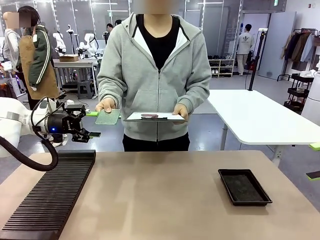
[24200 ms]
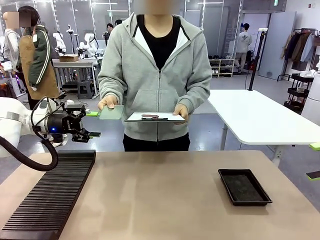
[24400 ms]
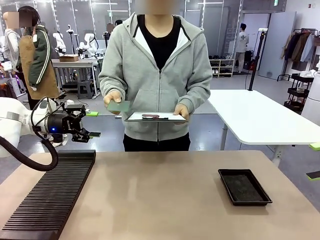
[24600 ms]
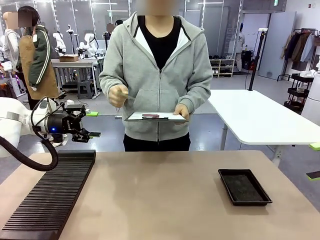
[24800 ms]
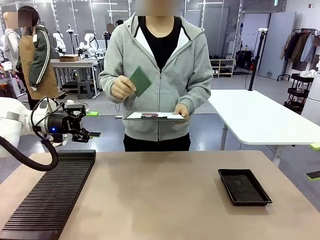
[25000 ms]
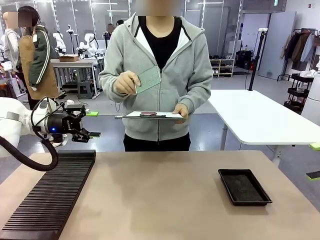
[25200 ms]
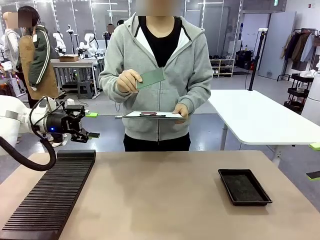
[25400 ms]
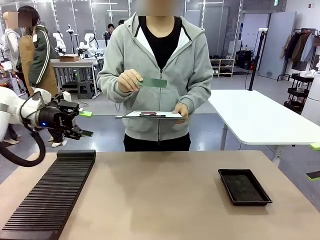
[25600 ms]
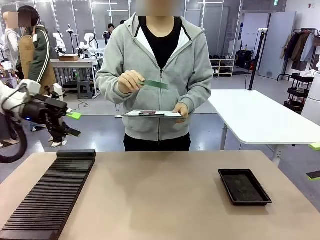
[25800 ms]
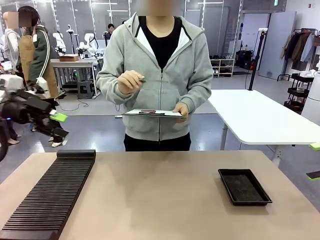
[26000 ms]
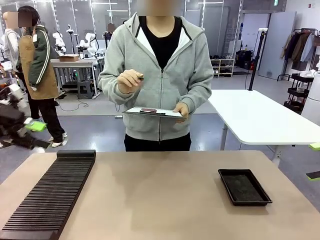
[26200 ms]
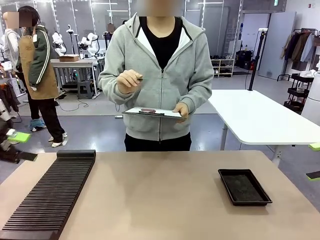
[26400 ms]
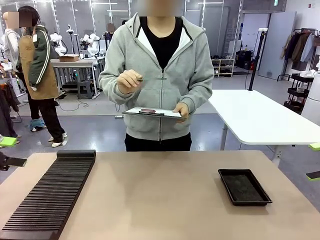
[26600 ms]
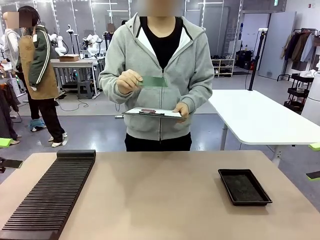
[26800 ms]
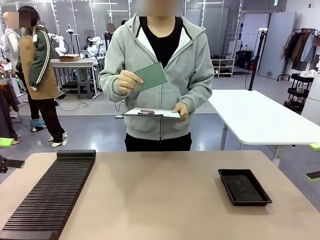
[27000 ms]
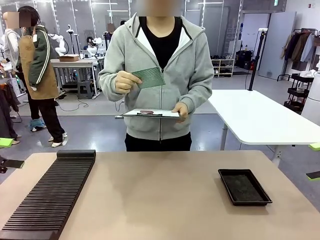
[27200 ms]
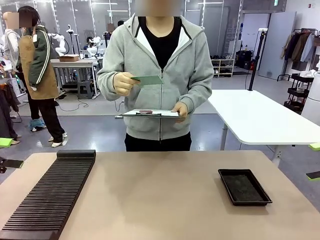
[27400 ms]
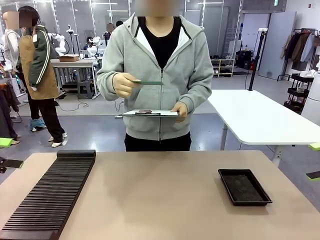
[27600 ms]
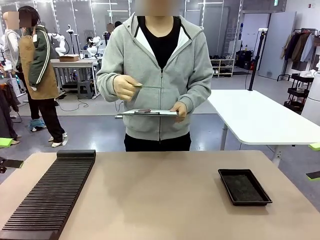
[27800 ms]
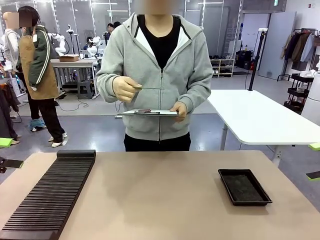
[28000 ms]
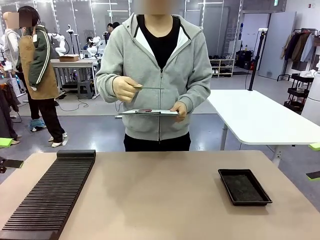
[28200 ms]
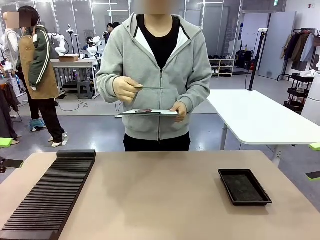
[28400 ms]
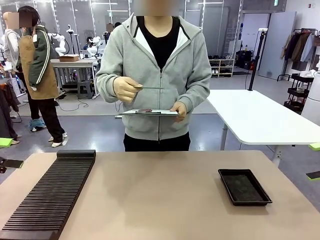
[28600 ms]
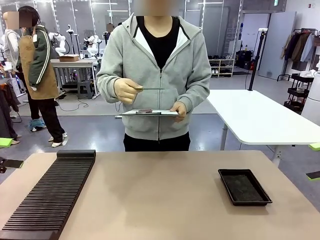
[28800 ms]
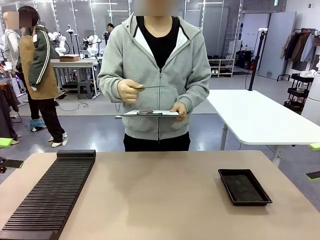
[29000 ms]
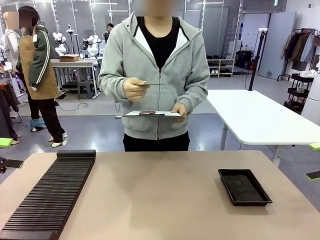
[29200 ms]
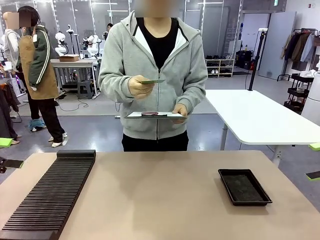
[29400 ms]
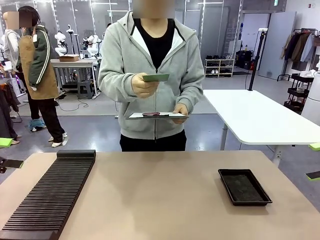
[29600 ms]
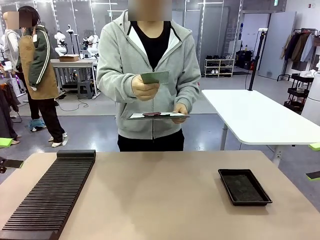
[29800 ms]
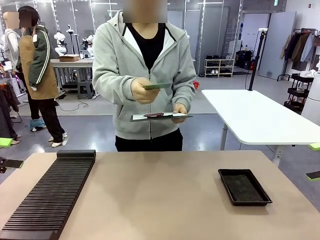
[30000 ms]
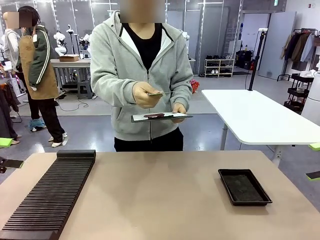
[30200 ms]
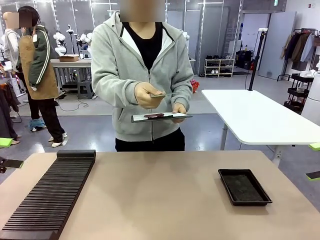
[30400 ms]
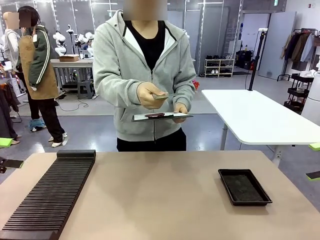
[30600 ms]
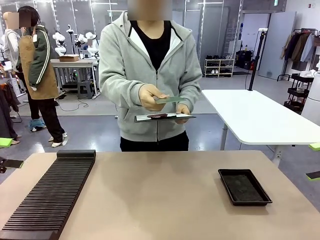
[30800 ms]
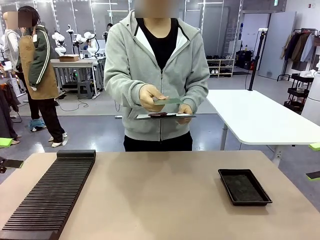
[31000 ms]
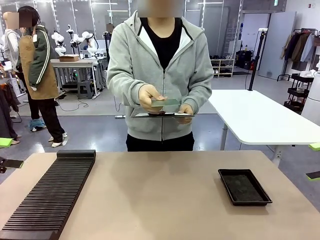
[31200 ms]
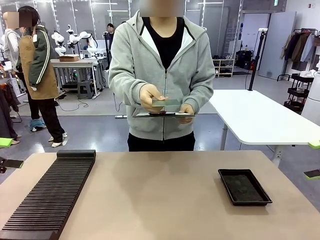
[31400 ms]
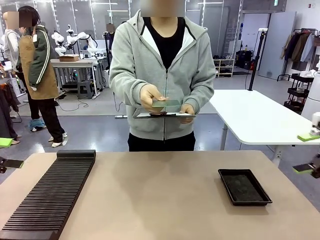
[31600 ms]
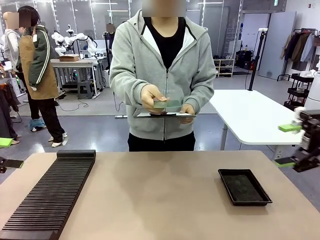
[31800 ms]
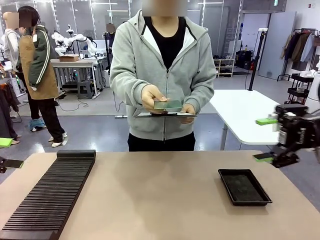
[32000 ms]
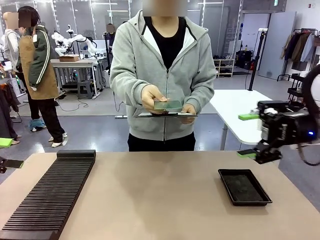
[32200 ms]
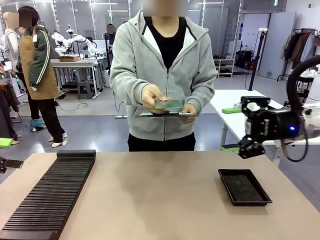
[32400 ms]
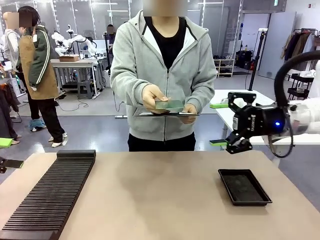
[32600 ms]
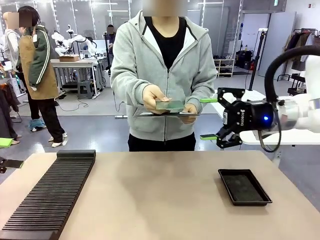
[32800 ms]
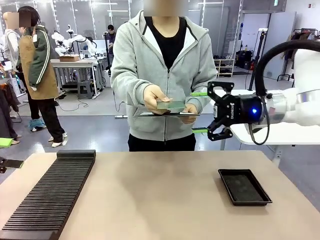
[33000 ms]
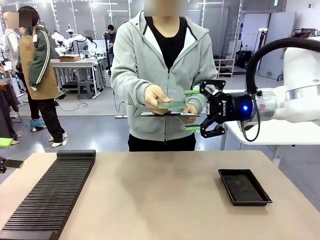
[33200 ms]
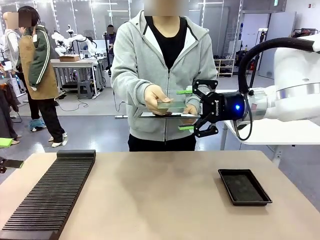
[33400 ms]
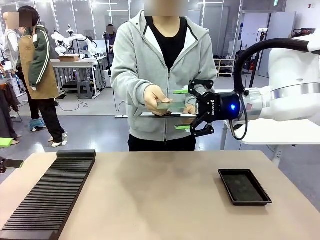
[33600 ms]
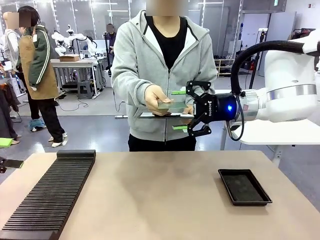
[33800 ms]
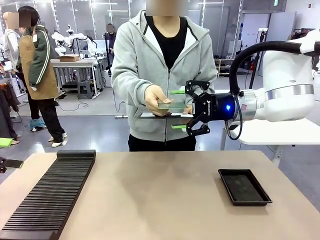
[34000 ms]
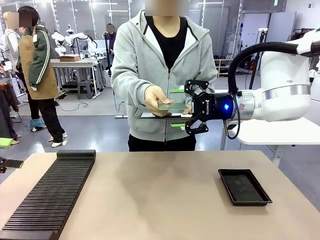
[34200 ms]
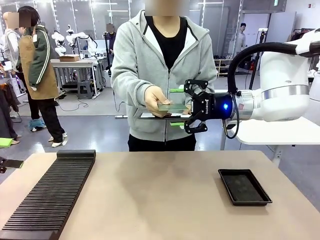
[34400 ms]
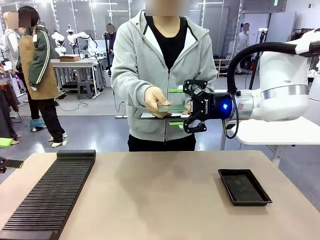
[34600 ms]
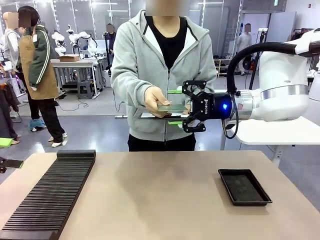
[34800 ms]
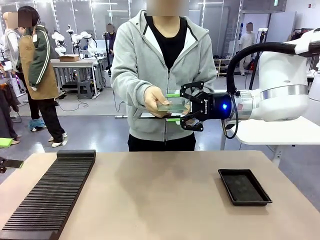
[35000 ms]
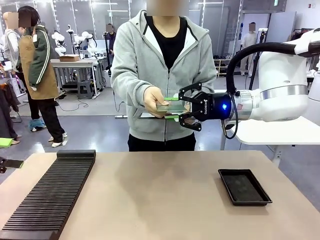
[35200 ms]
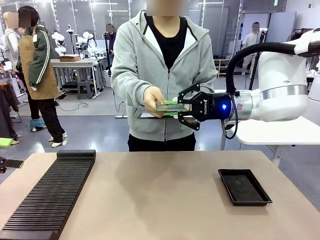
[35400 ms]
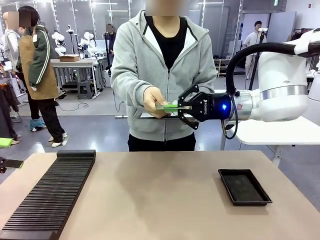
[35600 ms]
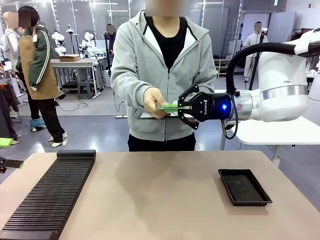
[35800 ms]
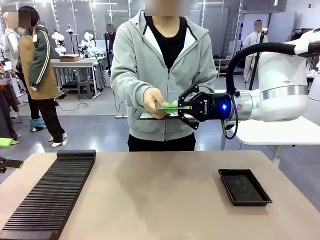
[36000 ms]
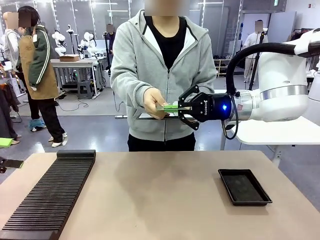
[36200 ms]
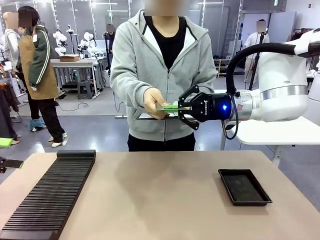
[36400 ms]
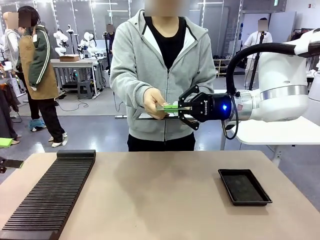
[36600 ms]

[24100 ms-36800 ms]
Task: Inspect the PCB.
Robot: Pick up the Blank PCB that the human is holding.
Person: Inspect the PCB placed by the robot, then hold it out in front of the robot. Release the PCB you were holding.

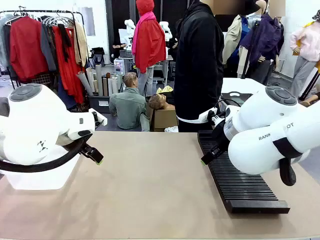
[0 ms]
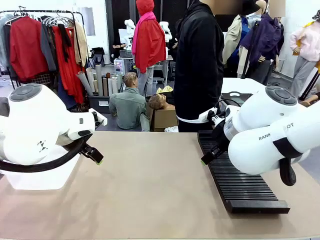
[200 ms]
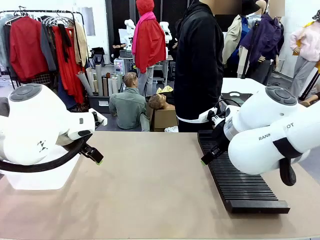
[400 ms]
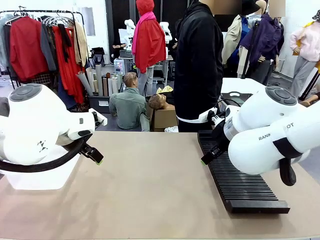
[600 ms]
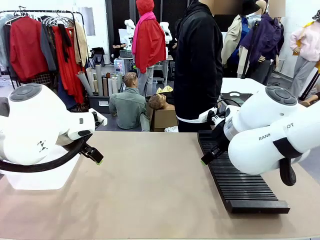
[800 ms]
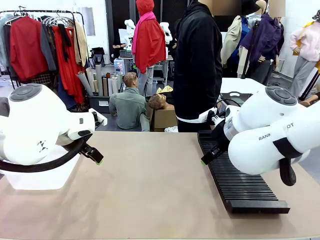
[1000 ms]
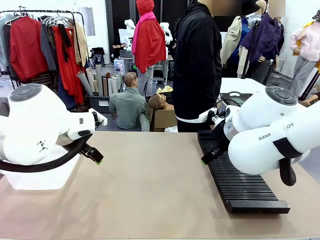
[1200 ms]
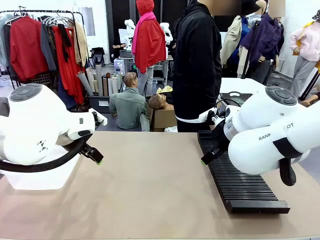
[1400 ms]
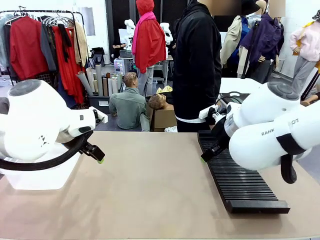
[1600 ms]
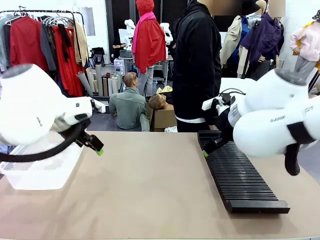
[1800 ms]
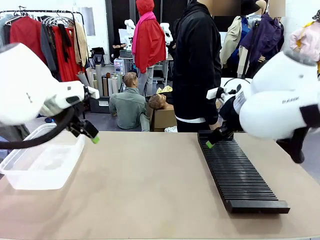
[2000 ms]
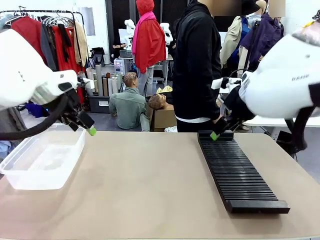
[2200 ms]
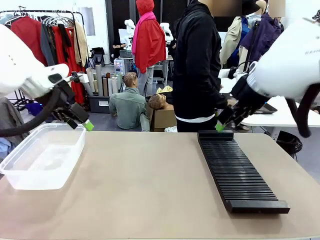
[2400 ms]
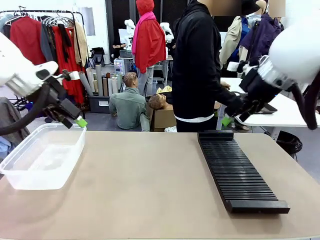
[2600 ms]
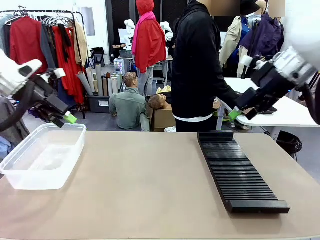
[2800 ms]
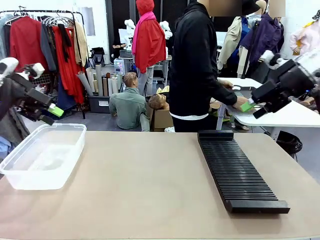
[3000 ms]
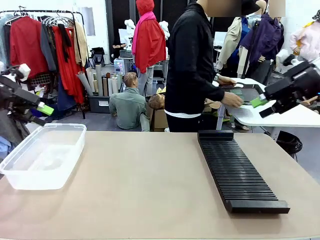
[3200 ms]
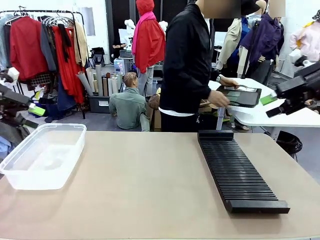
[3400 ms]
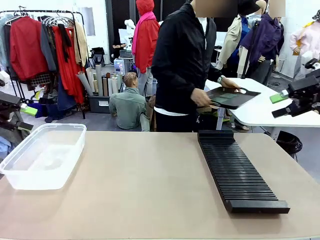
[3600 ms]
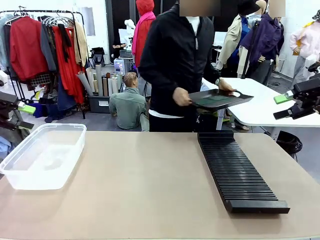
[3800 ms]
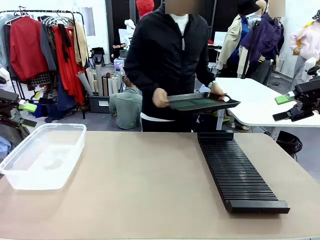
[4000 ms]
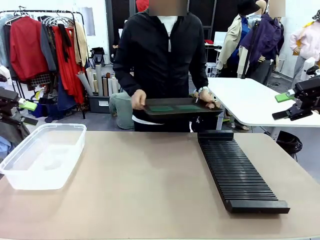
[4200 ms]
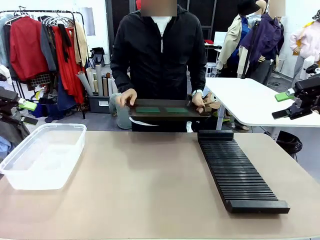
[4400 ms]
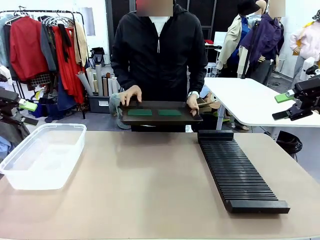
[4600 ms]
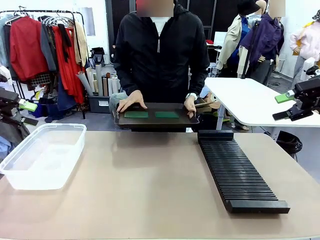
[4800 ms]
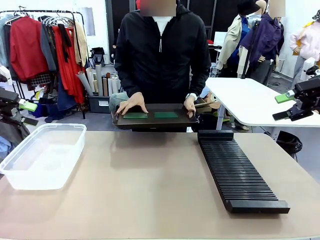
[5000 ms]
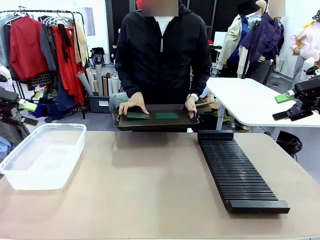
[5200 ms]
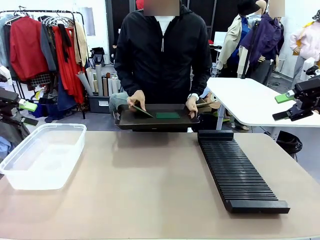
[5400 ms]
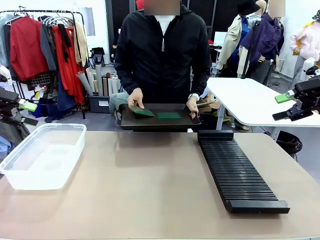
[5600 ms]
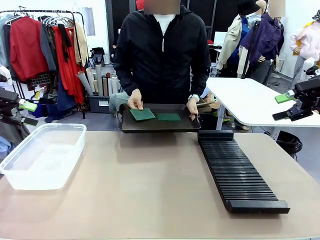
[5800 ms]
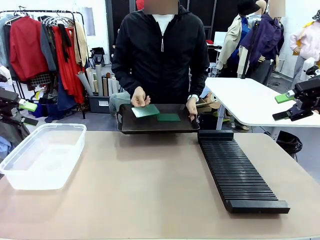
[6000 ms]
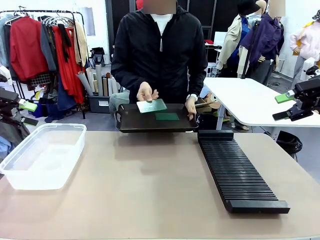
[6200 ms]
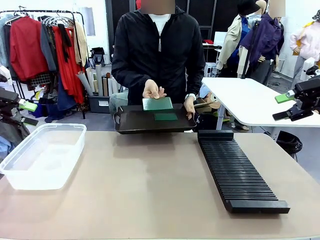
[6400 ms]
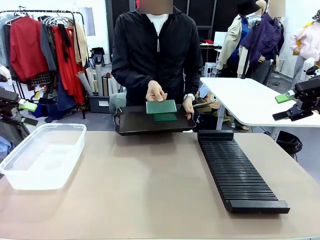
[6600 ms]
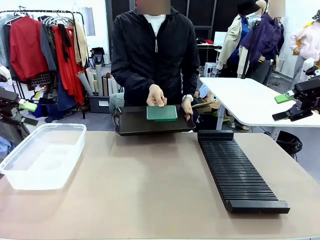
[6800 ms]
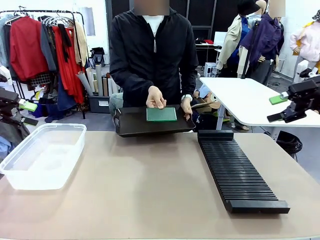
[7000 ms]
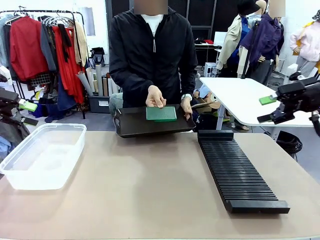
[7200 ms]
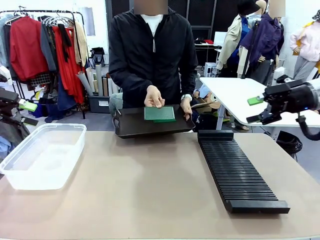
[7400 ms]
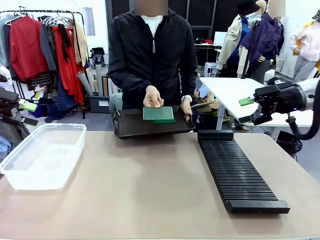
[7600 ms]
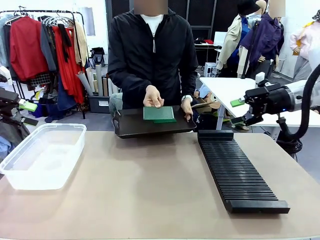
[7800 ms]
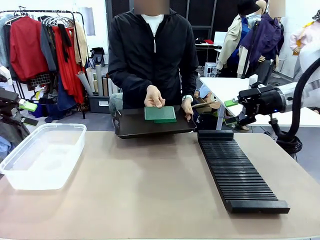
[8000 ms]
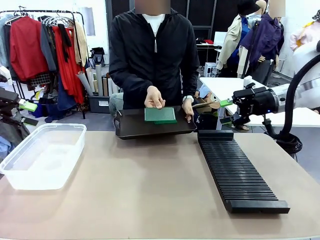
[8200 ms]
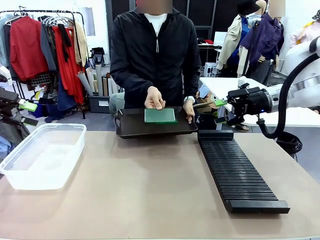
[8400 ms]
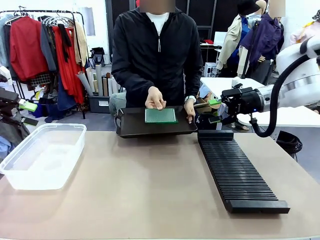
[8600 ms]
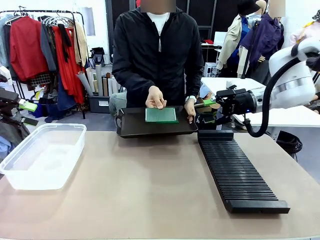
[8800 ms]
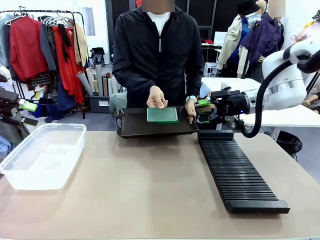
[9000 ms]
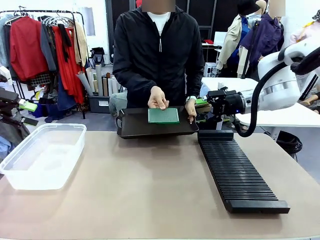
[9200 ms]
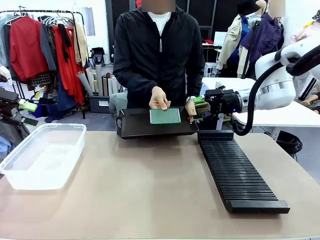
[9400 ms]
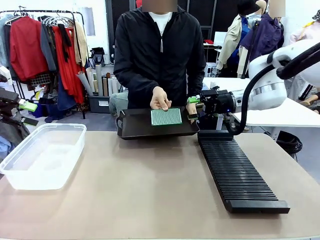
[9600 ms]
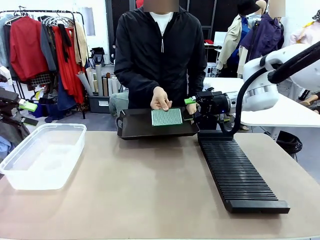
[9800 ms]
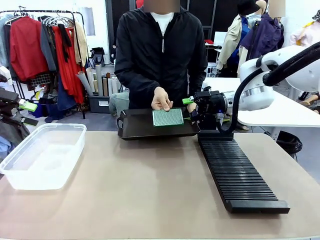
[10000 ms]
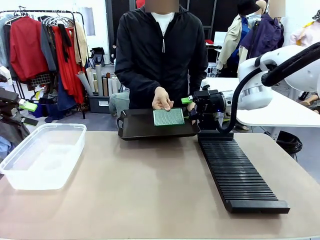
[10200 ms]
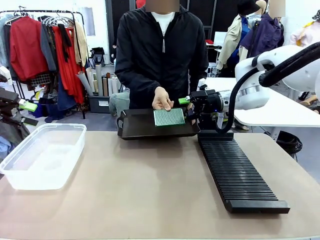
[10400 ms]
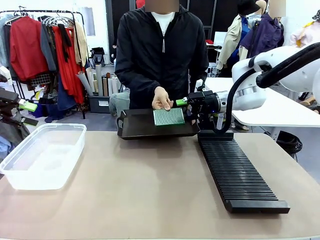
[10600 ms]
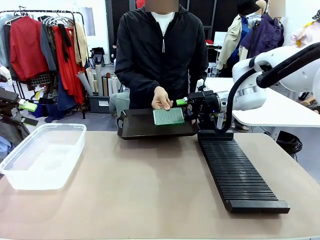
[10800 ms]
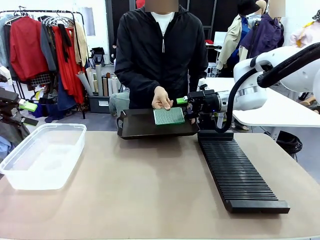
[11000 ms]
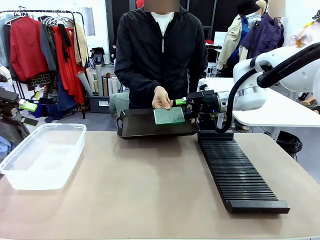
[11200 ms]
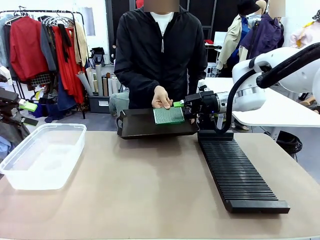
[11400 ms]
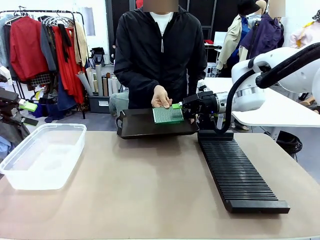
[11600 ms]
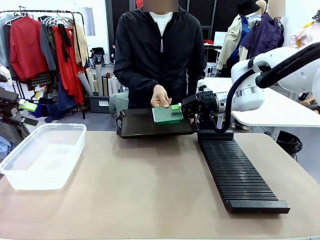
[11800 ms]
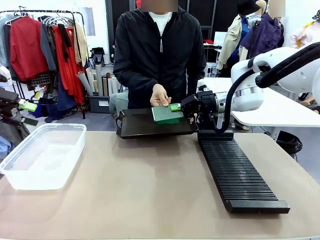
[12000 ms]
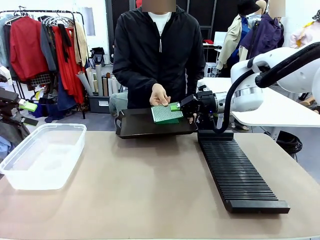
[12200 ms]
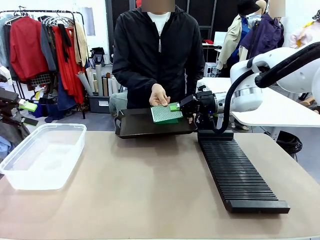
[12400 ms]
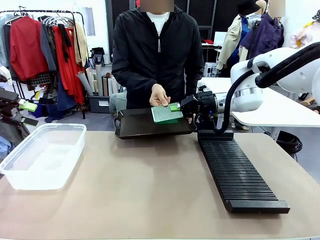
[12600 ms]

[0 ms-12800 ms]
Task: Sort PCBs into racks and boxes based on the side picked up.
Robot: Pick up the Blank PCB handed by the Human.
Person: Pick one PCB from the tray and present it to the robot. Release the PCB being held.
